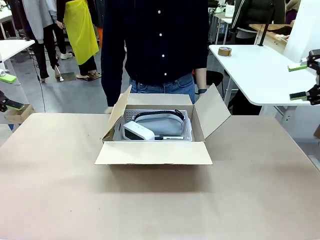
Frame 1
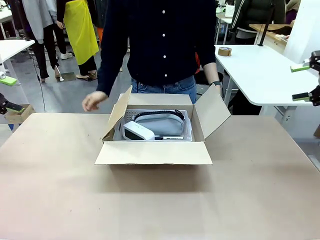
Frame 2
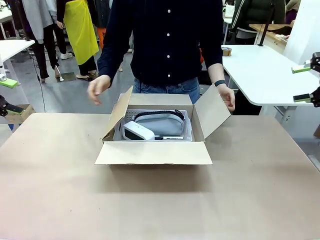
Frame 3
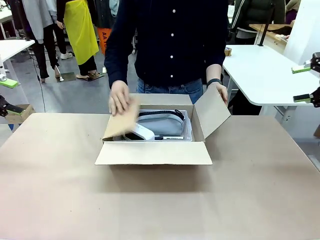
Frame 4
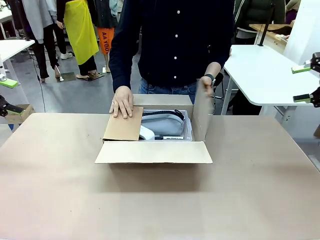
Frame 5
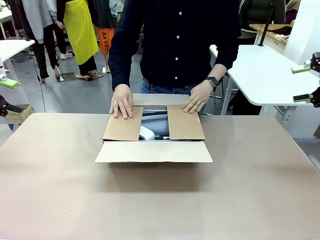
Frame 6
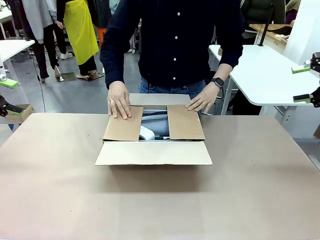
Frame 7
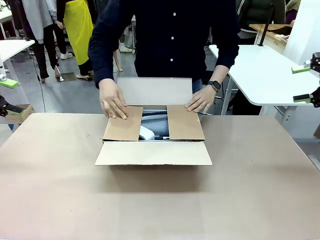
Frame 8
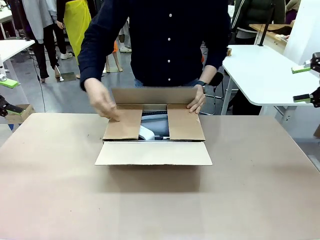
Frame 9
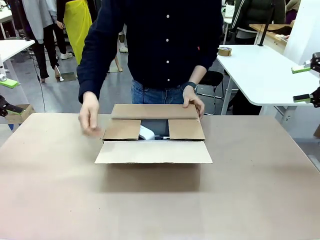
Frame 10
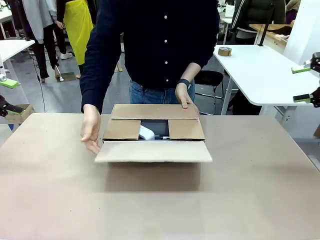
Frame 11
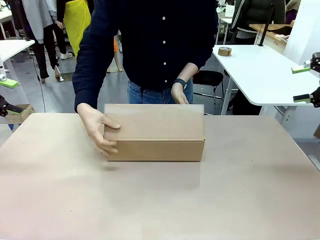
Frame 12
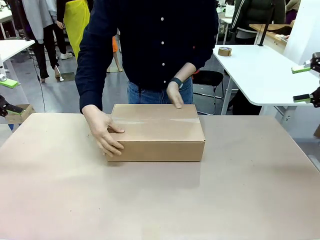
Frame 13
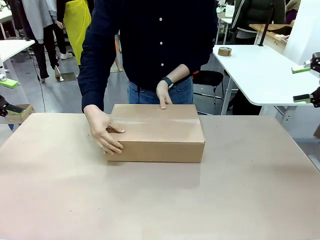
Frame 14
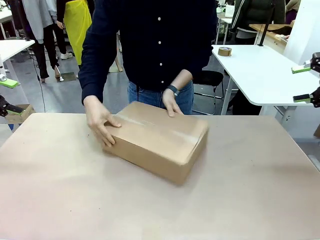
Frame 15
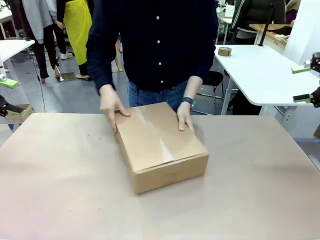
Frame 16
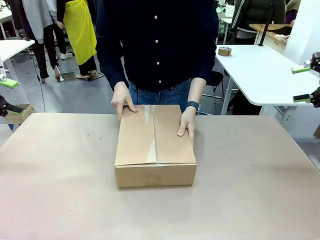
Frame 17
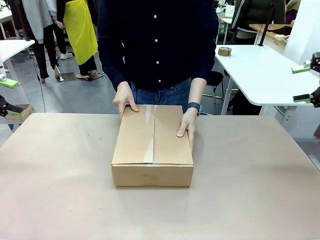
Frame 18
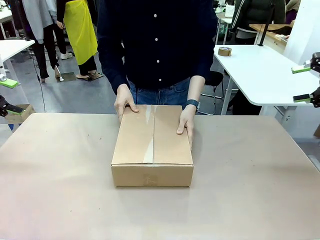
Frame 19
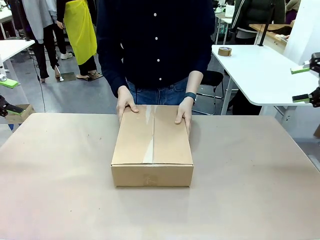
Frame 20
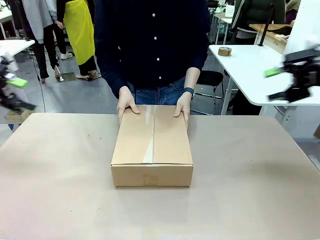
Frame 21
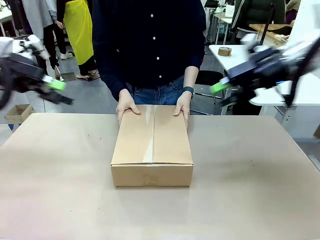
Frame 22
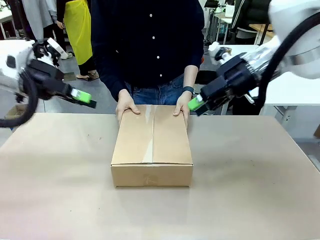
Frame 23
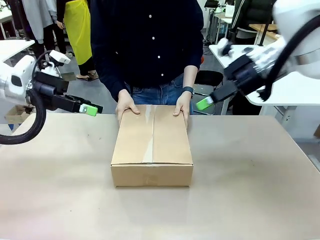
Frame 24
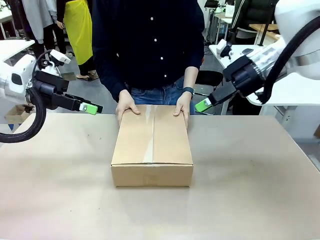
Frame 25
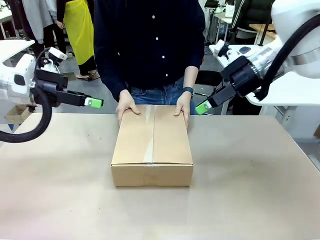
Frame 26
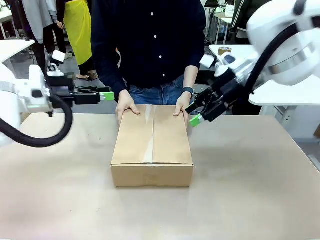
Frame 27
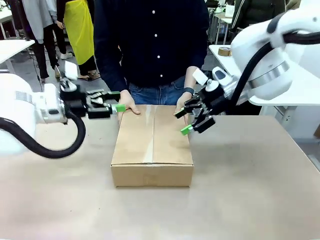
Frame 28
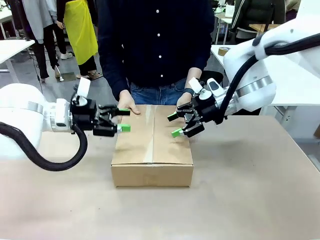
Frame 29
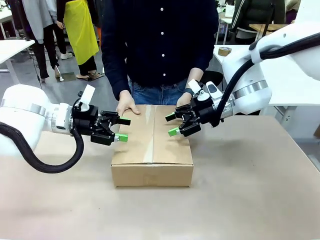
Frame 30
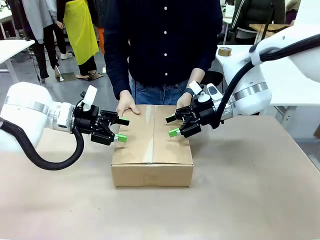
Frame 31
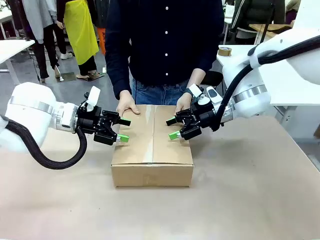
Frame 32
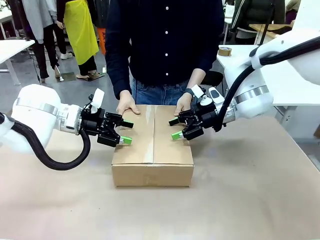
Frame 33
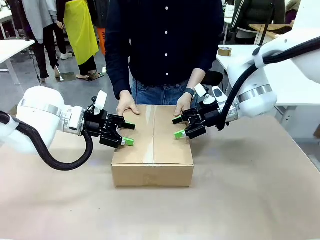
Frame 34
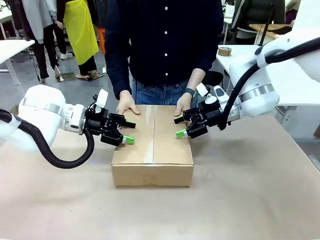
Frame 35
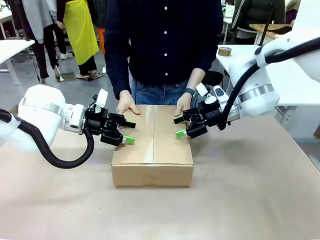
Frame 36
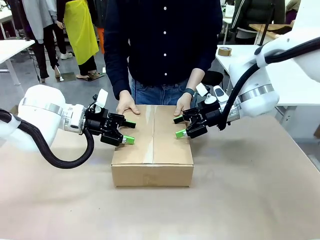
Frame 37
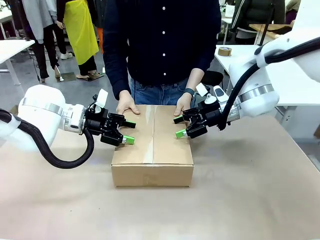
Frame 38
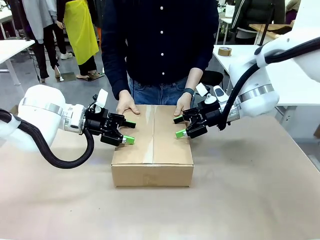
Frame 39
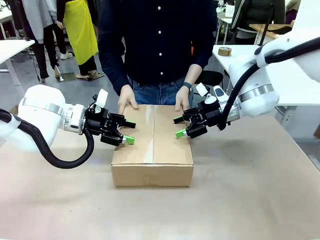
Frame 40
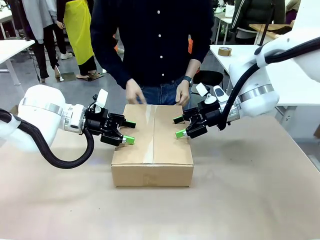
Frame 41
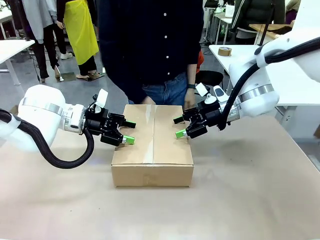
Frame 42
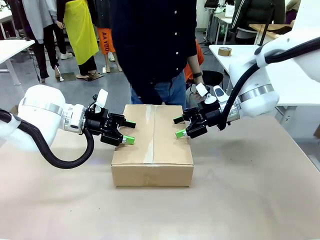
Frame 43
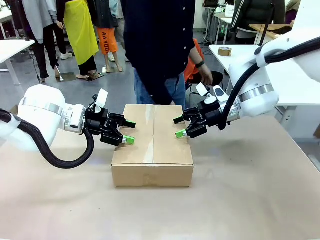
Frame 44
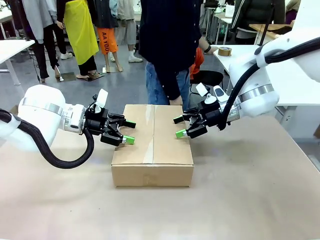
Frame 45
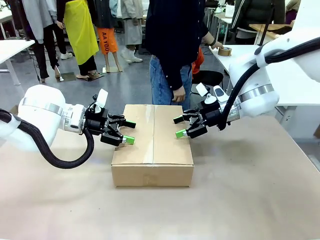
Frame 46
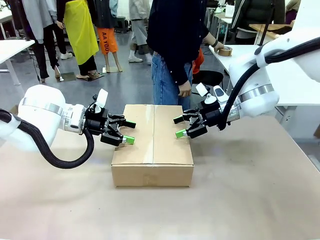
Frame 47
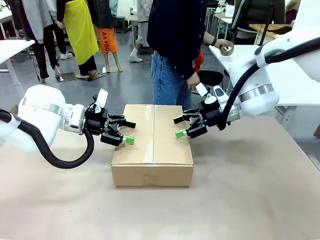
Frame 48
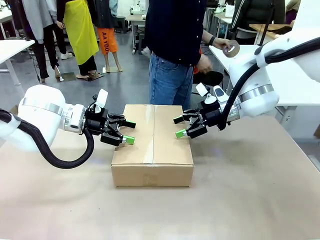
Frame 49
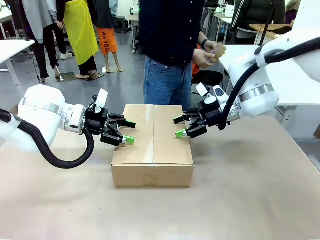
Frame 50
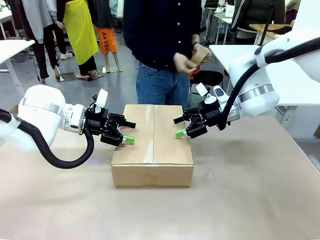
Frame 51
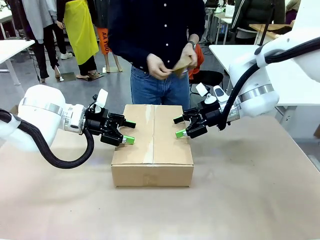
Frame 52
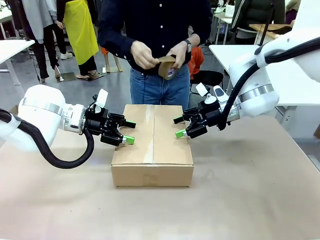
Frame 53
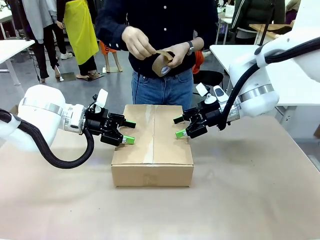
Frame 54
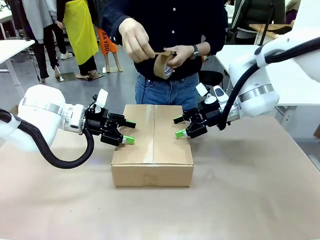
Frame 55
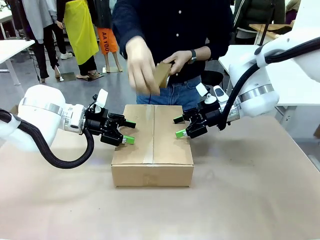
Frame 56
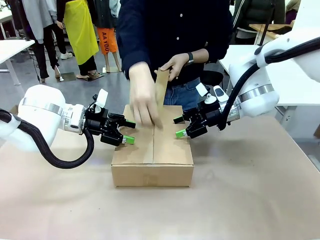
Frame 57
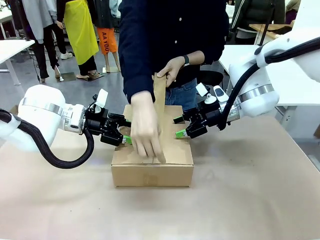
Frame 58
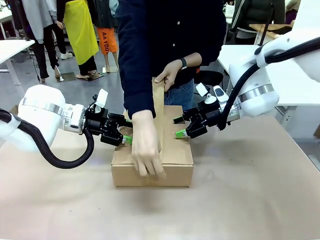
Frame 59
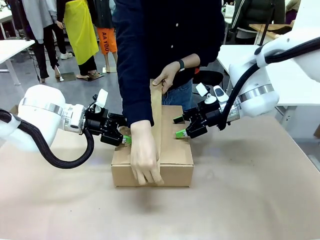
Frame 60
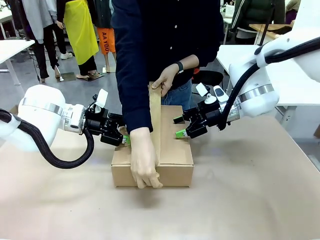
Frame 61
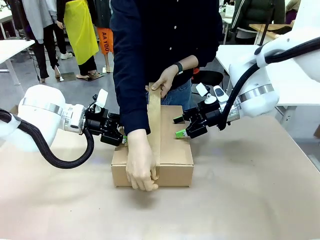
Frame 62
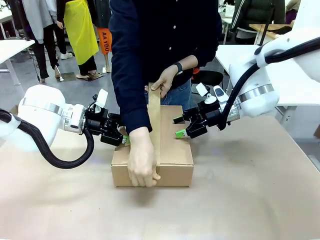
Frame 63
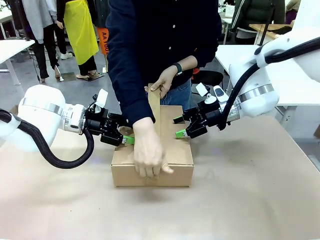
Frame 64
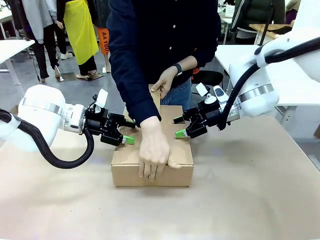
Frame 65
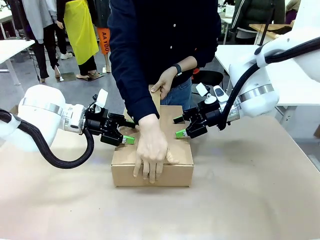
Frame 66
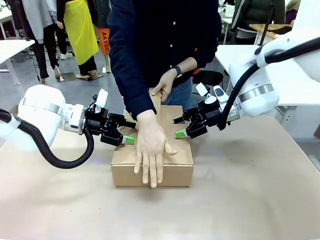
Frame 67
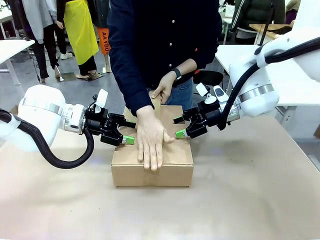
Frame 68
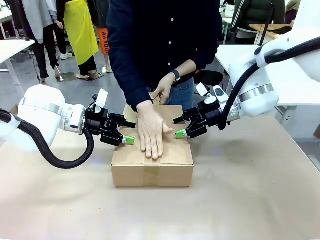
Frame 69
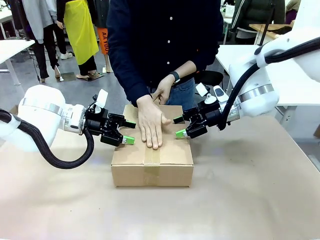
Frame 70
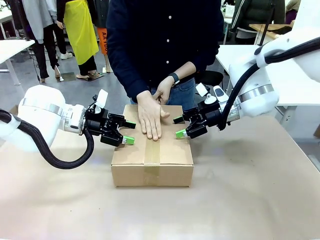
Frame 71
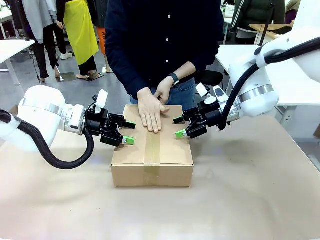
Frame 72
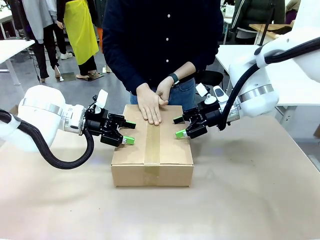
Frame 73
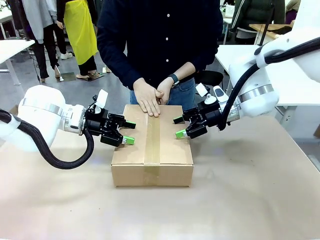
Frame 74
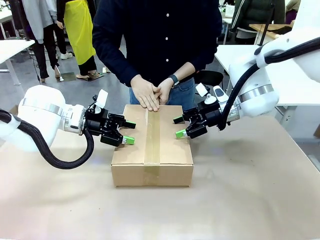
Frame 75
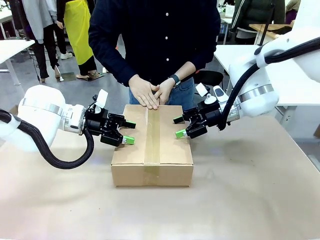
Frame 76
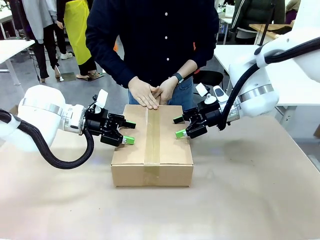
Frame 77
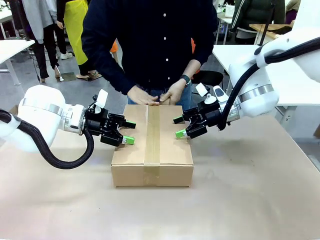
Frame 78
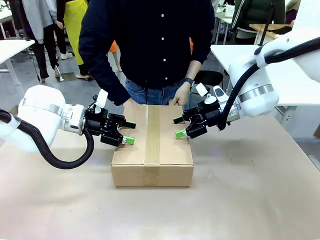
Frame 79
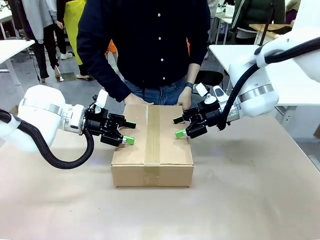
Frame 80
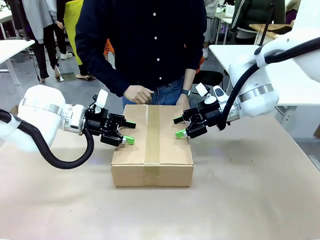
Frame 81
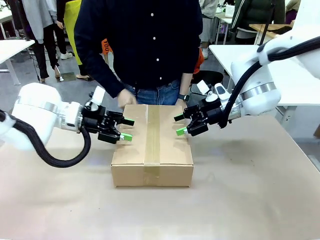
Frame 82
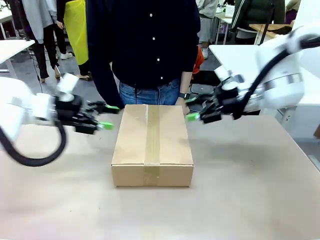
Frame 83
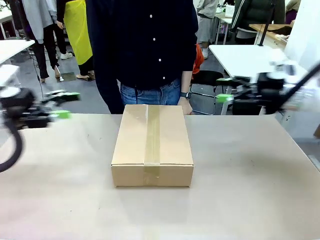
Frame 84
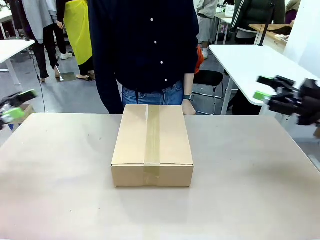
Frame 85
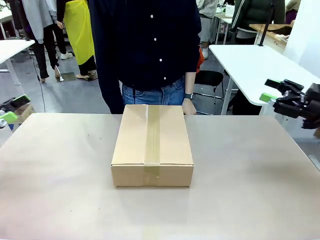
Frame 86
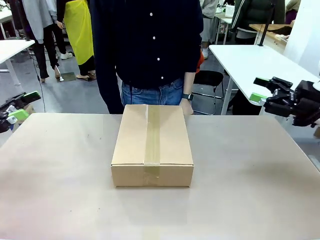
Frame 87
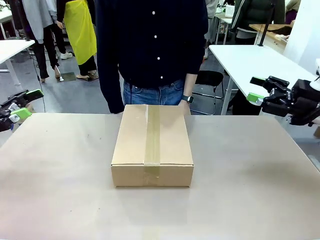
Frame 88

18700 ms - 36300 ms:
Task: Pack the gift set into the box.
Robot: Press and hold the closed box until the human finishes sealing it.
Person: The human closes the box and rotates the box by 90 degrees. The human picks up the paper tape from the human table and packs the box.
